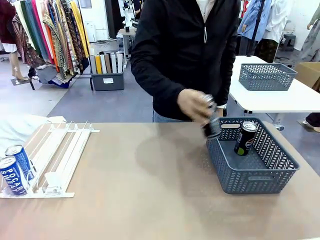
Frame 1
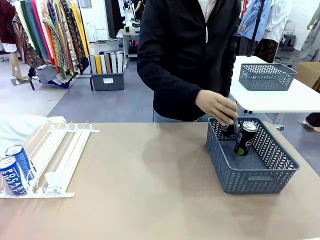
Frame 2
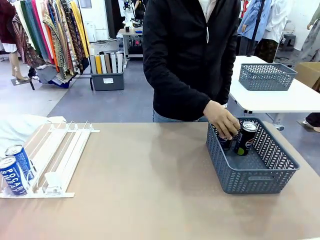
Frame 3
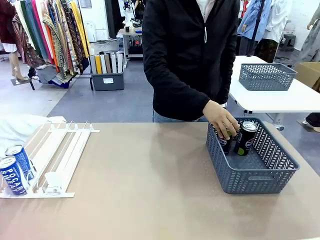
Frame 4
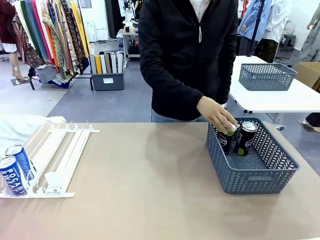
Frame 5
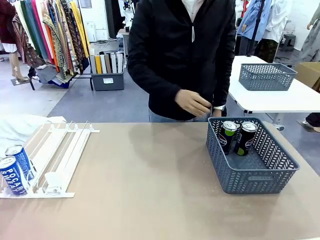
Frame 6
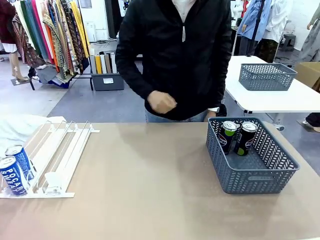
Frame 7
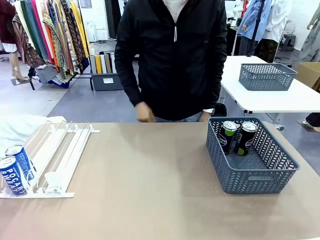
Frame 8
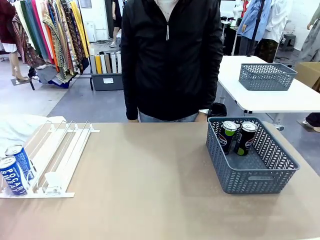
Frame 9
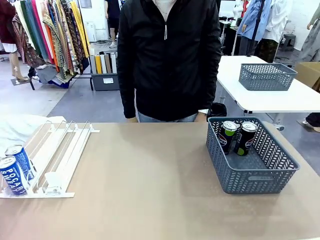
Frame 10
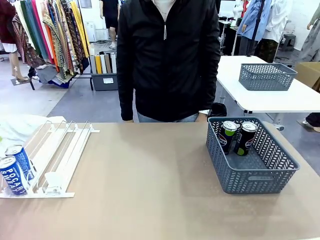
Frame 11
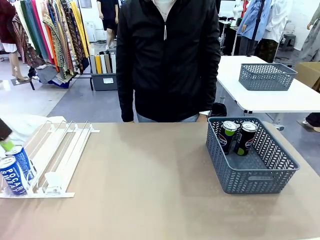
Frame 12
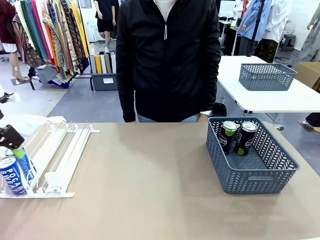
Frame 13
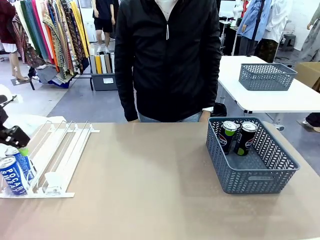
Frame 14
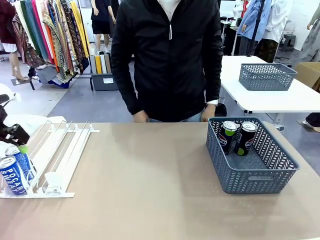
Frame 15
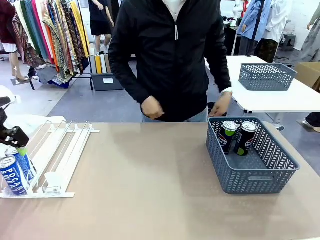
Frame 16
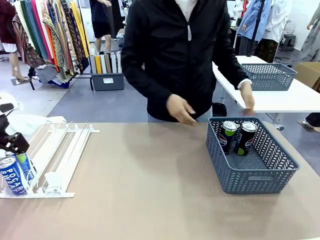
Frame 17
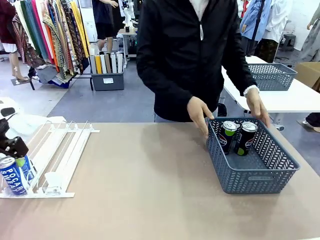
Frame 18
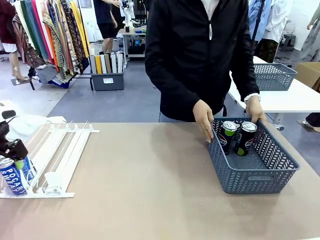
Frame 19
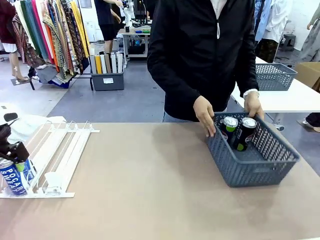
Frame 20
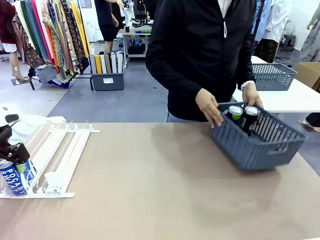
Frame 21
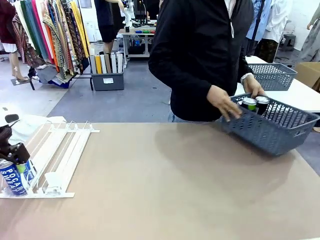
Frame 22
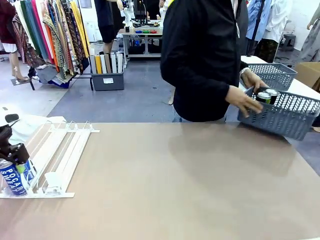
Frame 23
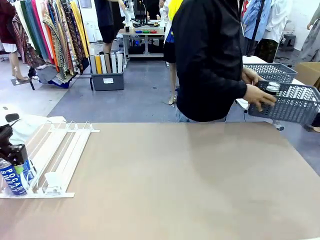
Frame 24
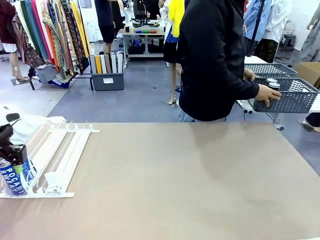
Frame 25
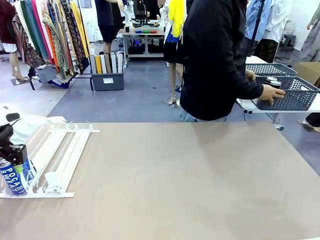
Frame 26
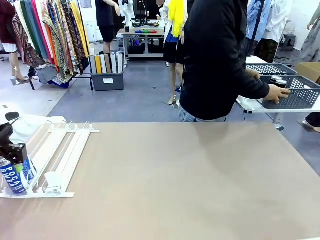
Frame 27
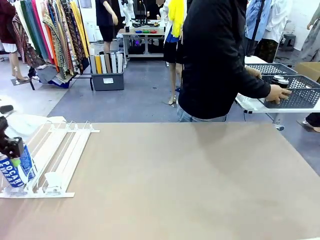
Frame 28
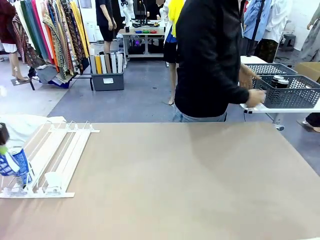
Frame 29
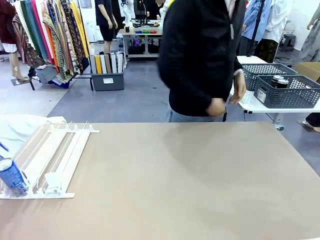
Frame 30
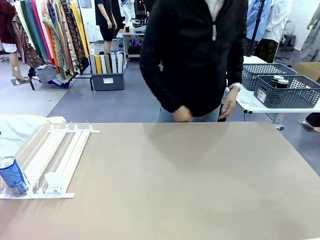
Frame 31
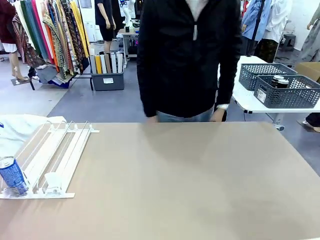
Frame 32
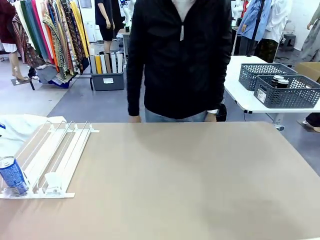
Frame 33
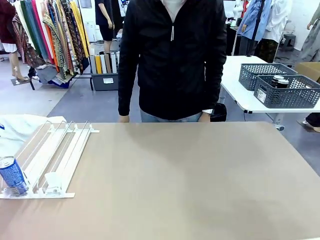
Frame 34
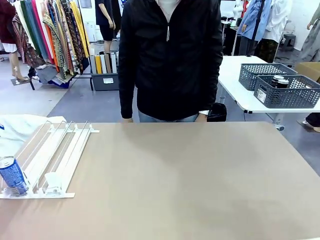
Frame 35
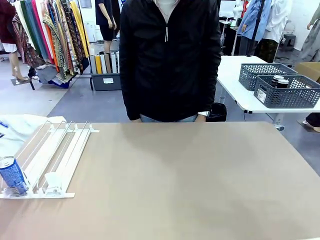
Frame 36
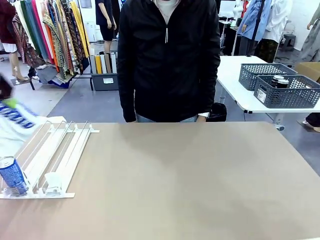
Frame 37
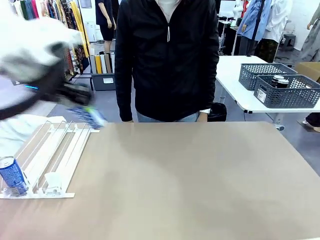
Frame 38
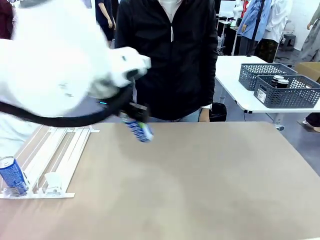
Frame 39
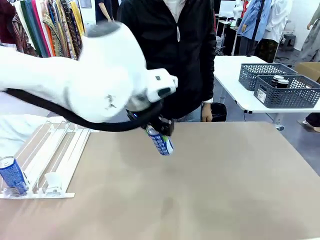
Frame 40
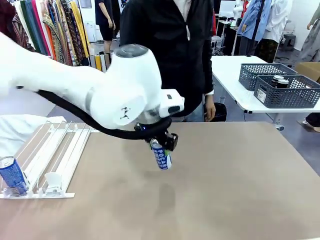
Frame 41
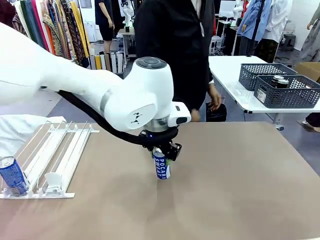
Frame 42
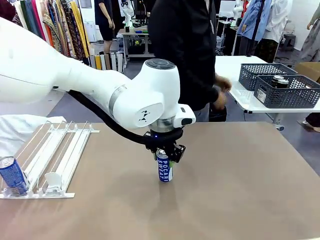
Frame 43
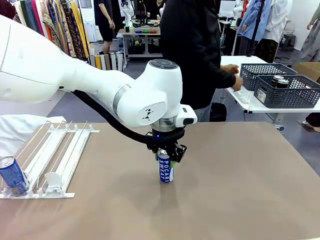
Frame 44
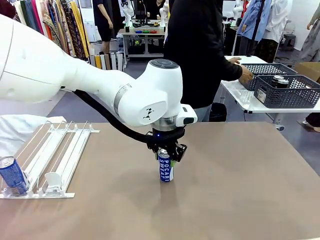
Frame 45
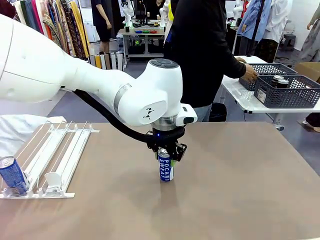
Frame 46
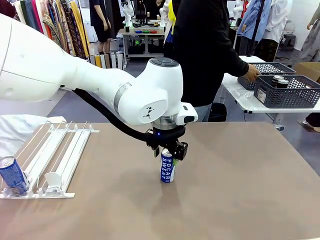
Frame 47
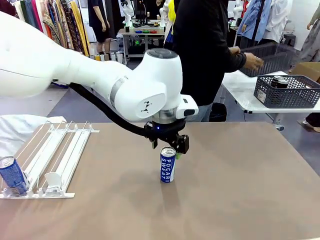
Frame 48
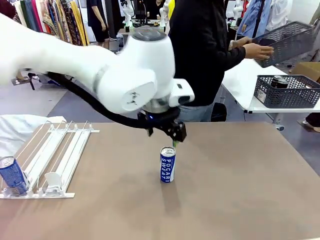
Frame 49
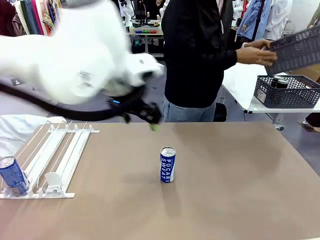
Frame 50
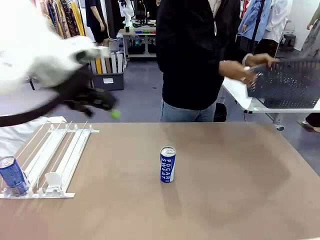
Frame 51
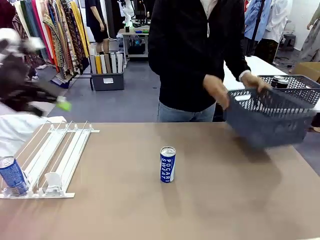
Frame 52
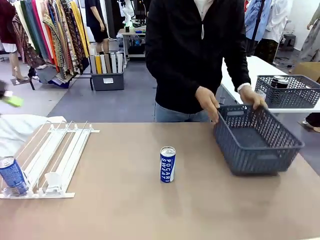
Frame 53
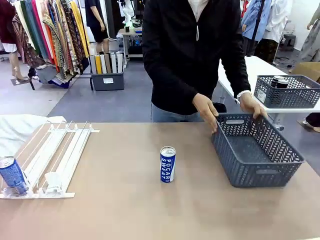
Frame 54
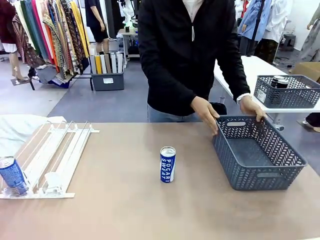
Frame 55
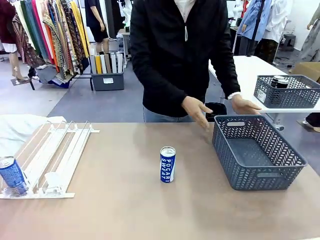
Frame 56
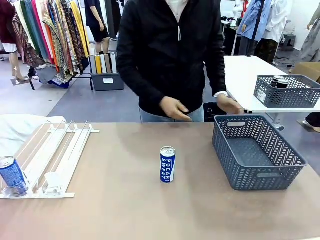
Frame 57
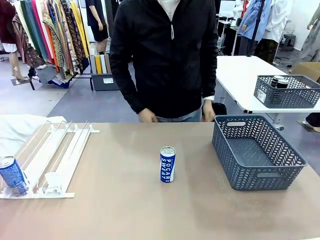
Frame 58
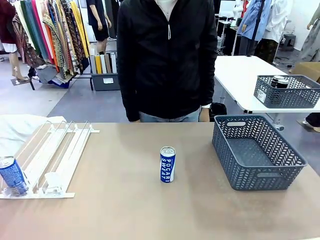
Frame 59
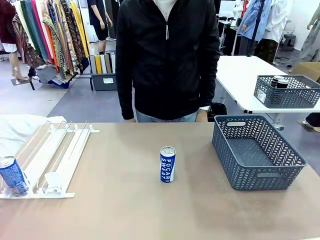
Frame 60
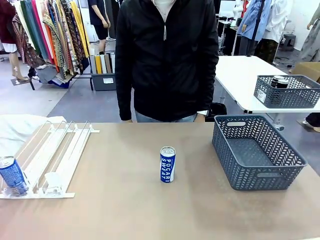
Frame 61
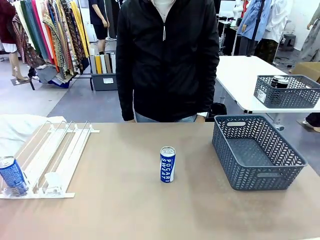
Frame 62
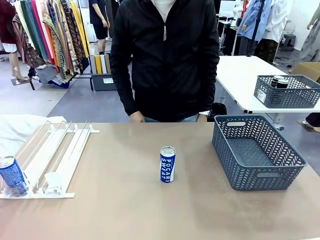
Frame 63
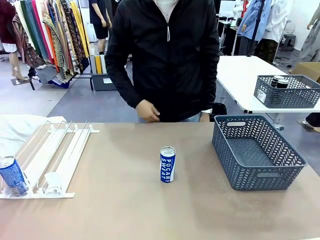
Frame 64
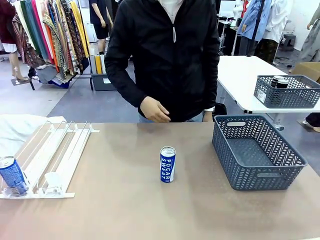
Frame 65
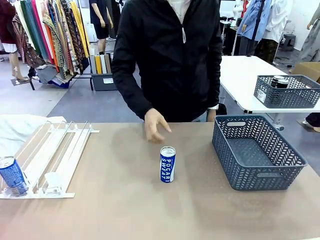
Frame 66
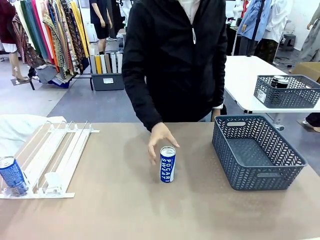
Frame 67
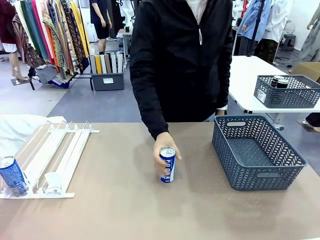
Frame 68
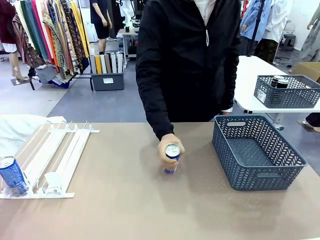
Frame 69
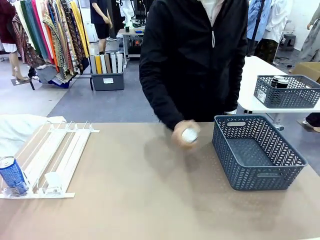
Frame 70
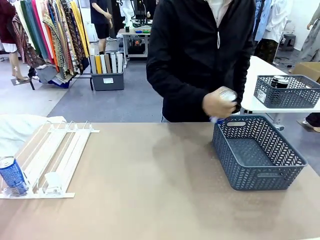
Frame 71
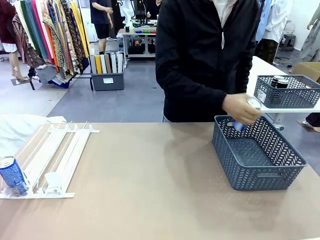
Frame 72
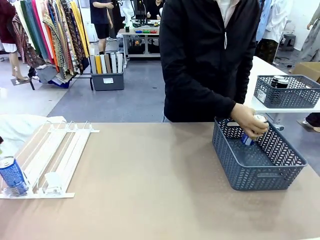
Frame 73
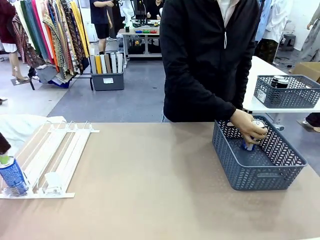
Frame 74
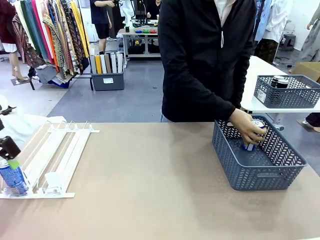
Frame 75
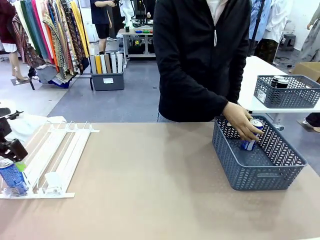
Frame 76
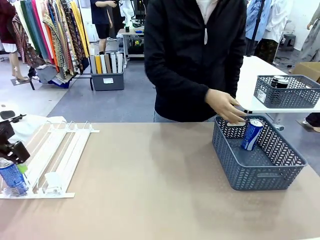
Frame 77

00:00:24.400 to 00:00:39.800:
Task: Retrieve and store the cans from the dispenser.
Robot: Pick up one can from the Automatic Can Dispenser and place it in the middle of the table.
Person: Pick up the basket and place it in the middle of the human table. Pick up the empty basket and place it on the left side of the robot table.

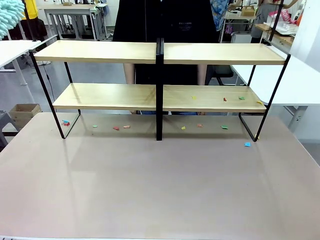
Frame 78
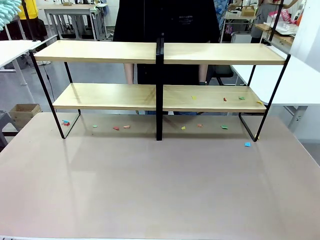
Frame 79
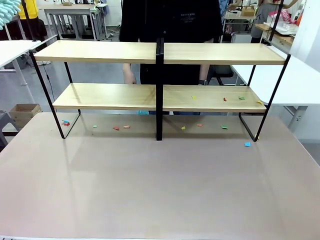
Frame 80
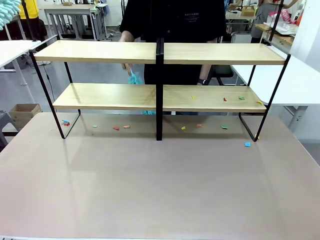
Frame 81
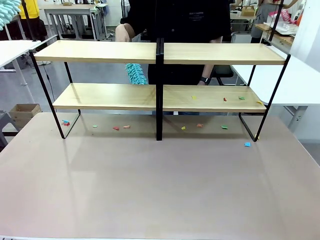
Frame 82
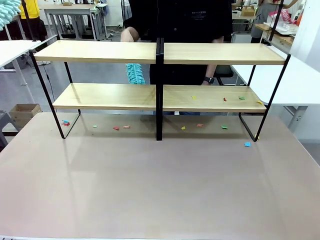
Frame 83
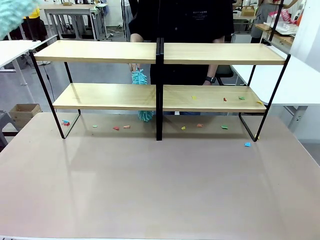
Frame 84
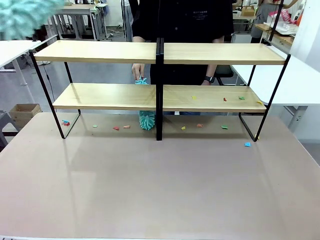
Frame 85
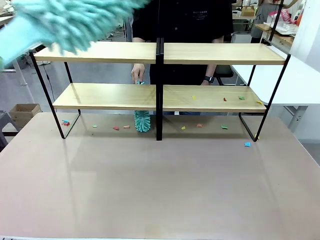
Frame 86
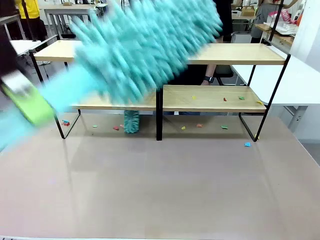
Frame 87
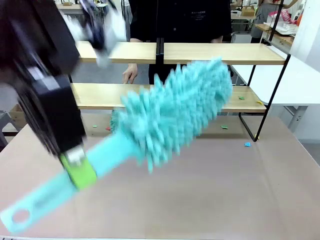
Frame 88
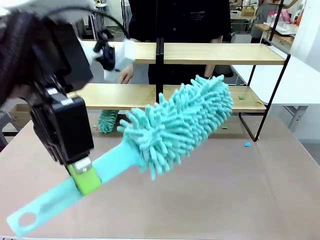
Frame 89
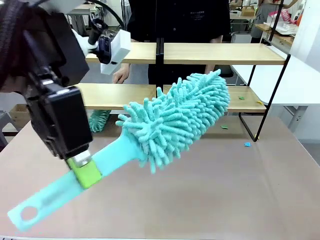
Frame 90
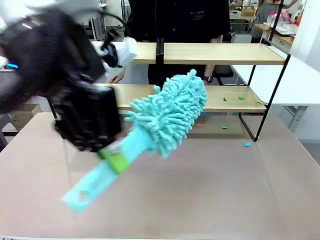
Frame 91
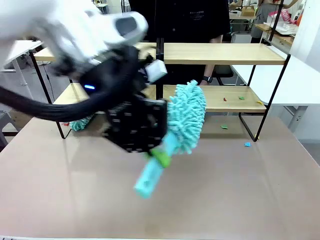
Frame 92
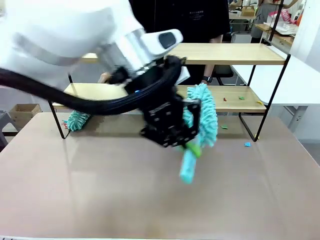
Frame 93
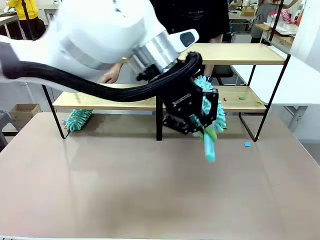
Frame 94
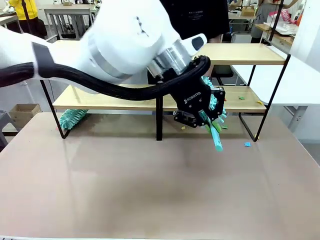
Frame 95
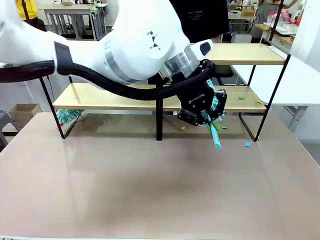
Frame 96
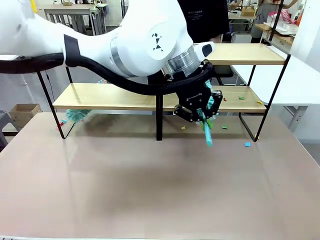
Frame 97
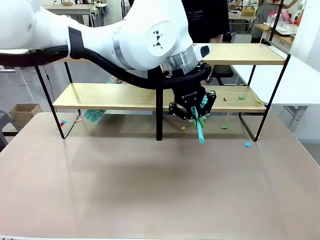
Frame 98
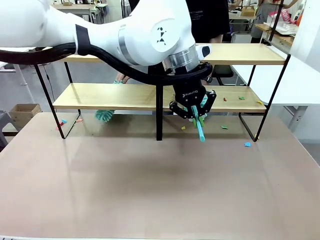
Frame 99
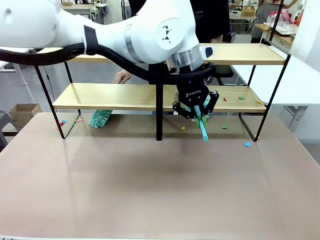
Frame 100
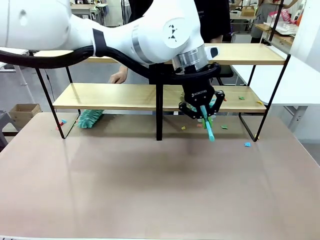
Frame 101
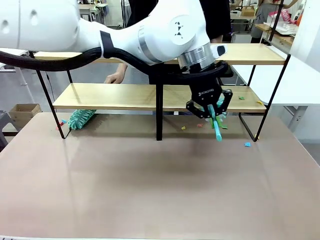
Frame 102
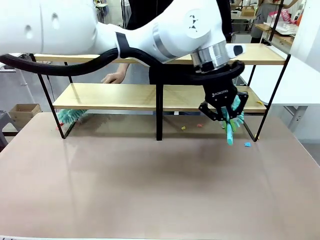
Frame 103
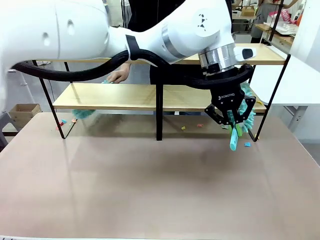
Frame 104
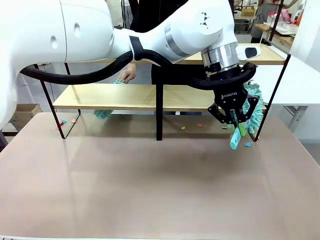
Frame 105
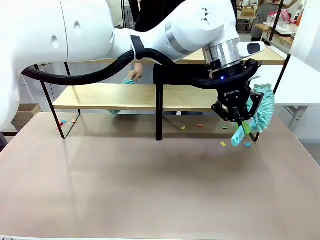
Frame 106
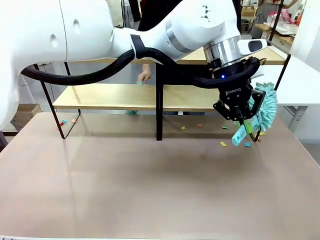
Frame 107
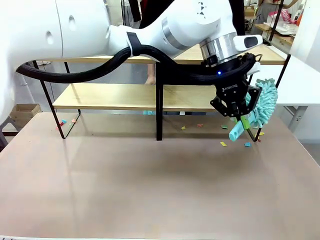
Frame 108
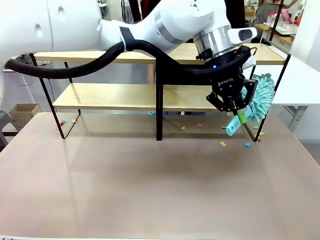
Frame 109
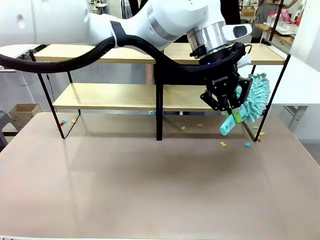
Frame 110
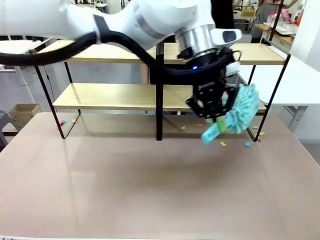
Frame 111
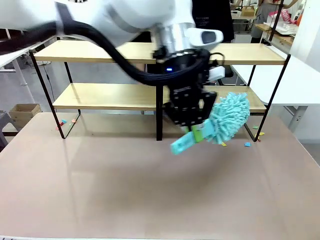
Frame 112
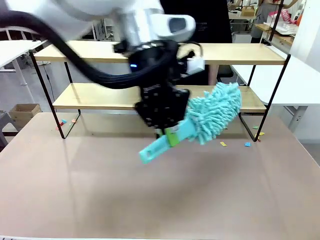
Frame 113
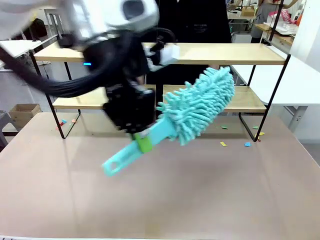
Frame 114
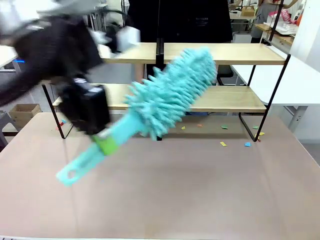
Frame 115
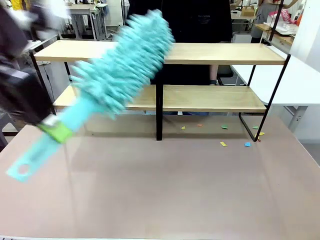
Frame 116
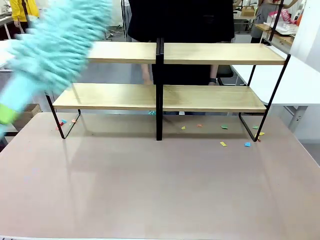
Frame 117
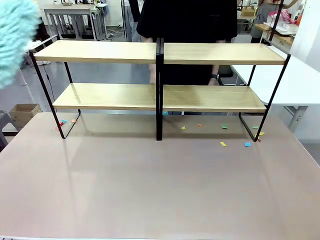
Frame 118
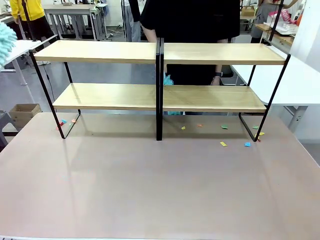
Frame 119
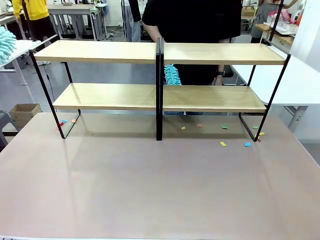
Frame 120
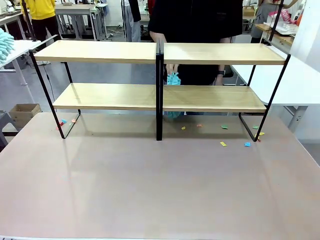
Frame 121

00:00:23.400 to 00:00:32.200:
Task: Clean the shelves.
Robot: Clean another randomly selected level of the Shelf with the Duster.
